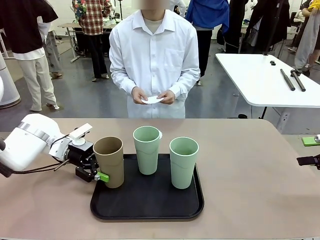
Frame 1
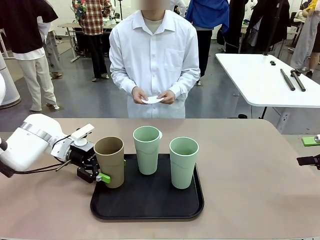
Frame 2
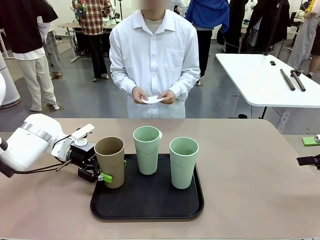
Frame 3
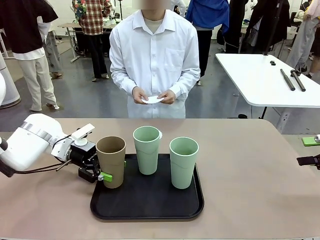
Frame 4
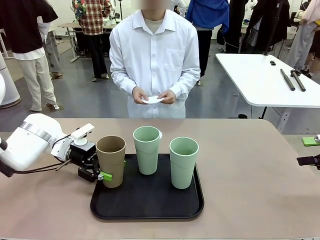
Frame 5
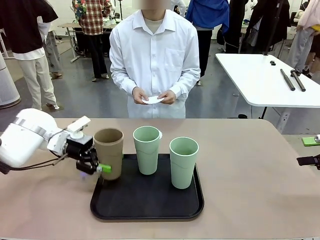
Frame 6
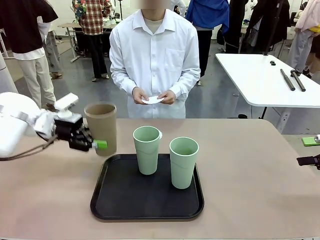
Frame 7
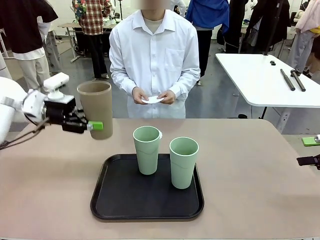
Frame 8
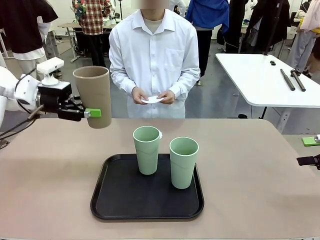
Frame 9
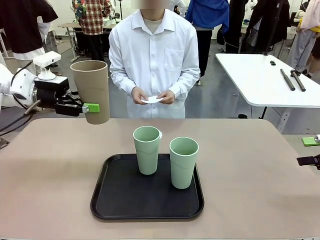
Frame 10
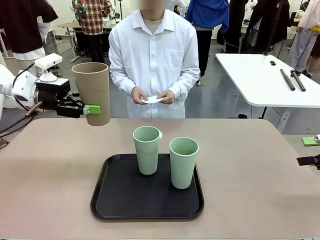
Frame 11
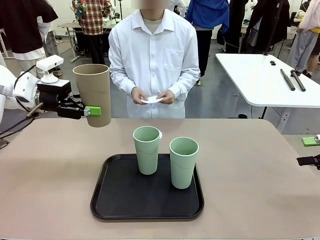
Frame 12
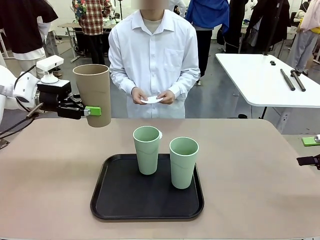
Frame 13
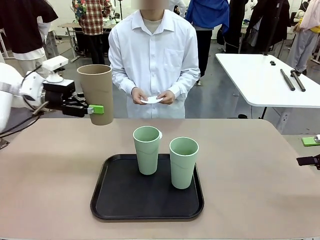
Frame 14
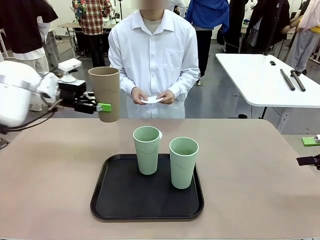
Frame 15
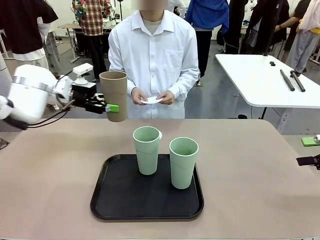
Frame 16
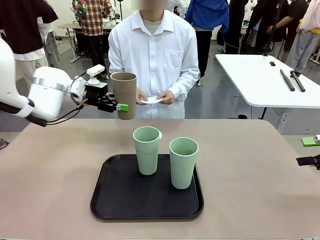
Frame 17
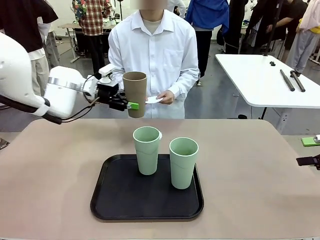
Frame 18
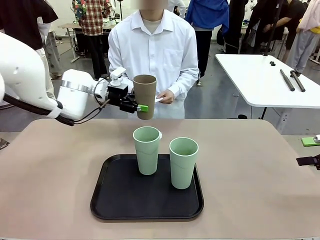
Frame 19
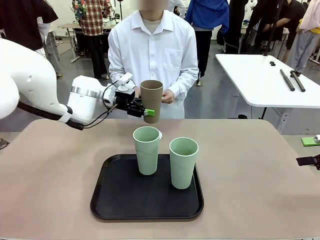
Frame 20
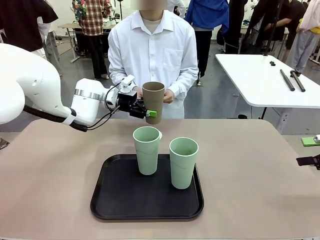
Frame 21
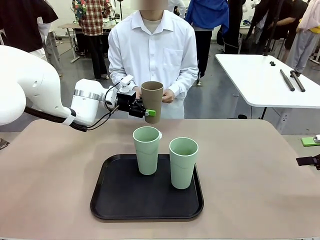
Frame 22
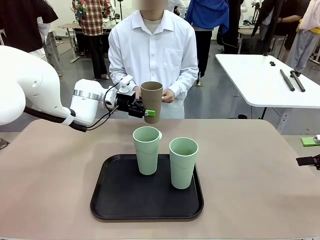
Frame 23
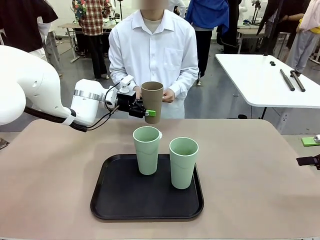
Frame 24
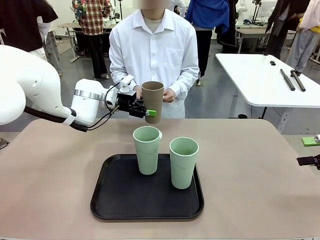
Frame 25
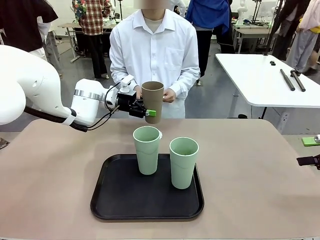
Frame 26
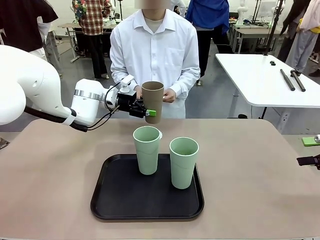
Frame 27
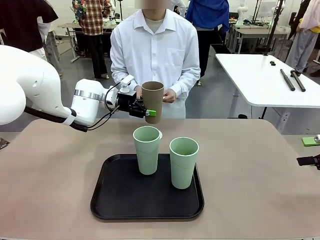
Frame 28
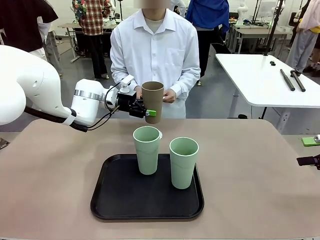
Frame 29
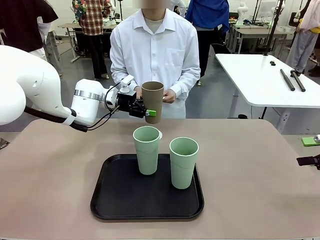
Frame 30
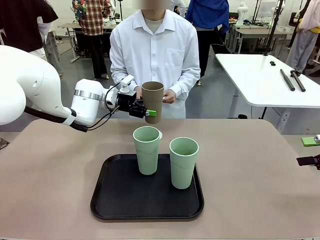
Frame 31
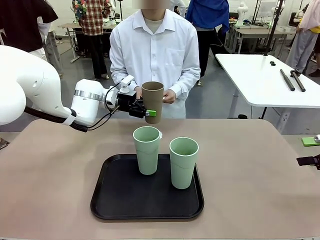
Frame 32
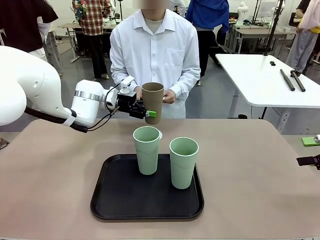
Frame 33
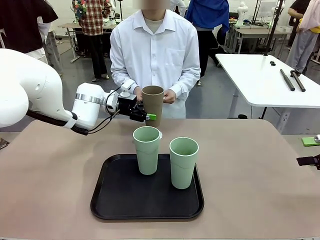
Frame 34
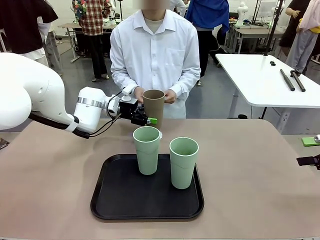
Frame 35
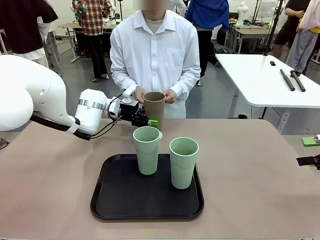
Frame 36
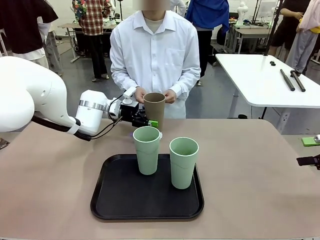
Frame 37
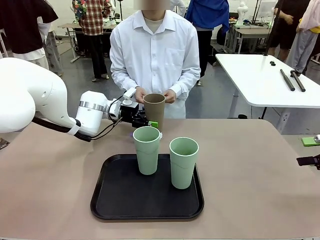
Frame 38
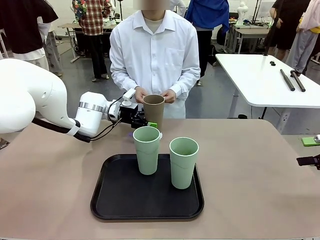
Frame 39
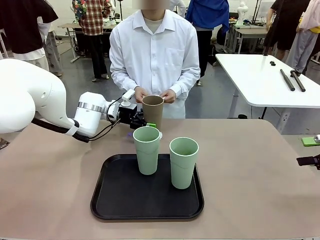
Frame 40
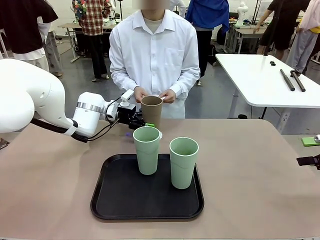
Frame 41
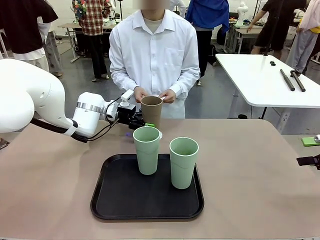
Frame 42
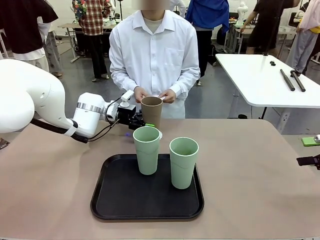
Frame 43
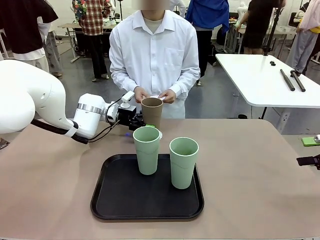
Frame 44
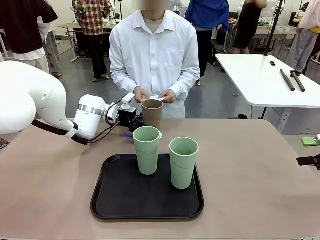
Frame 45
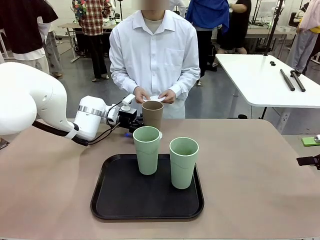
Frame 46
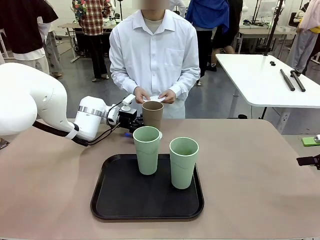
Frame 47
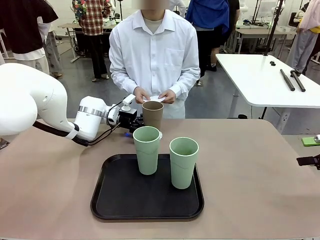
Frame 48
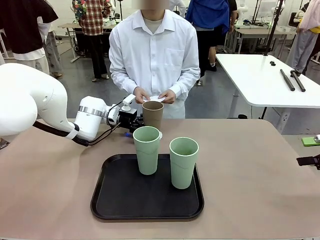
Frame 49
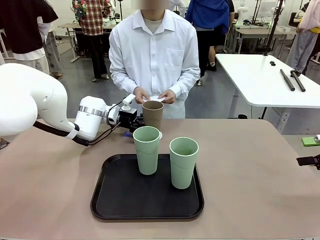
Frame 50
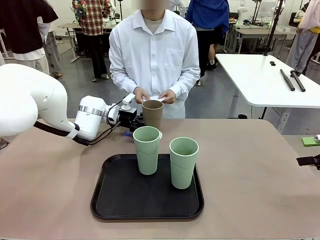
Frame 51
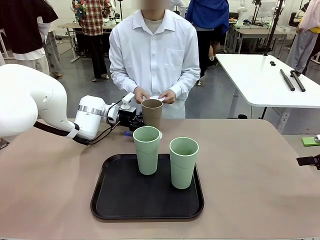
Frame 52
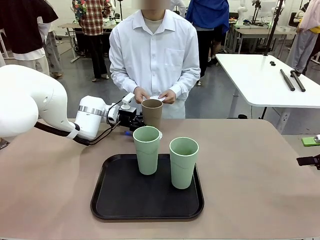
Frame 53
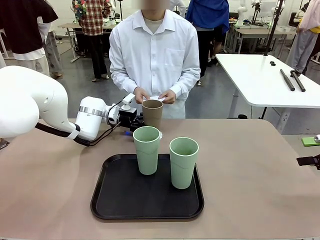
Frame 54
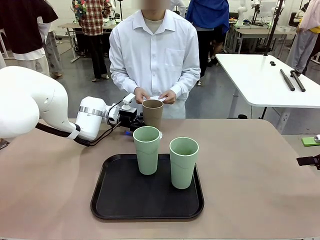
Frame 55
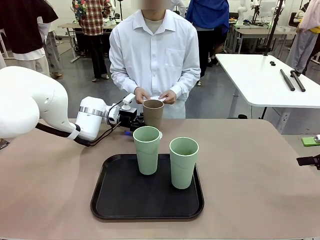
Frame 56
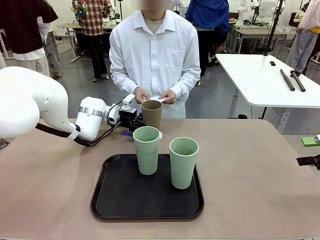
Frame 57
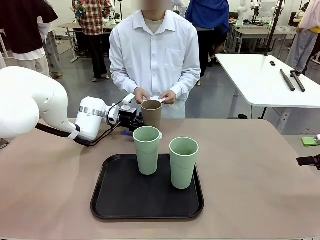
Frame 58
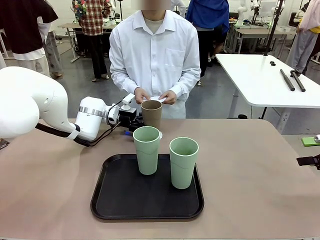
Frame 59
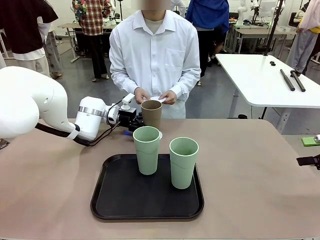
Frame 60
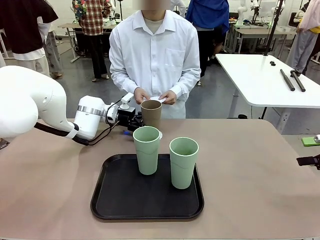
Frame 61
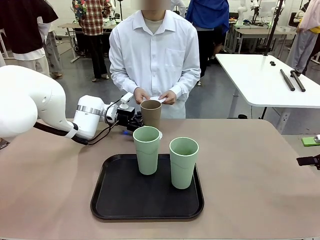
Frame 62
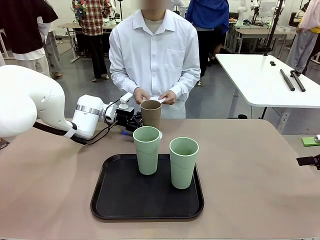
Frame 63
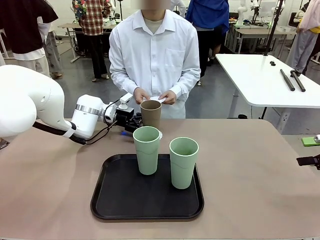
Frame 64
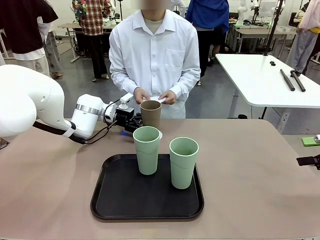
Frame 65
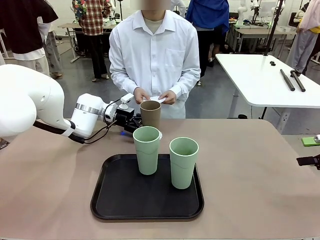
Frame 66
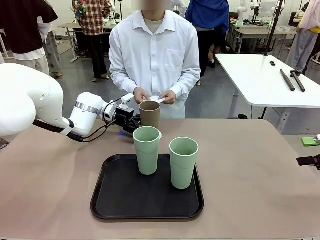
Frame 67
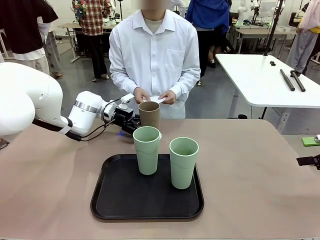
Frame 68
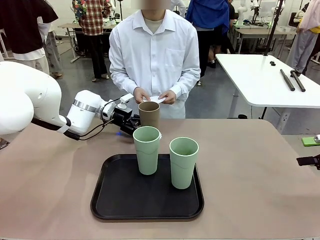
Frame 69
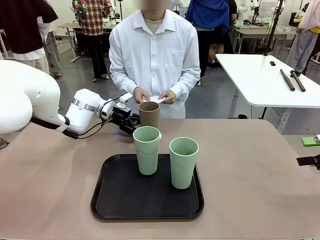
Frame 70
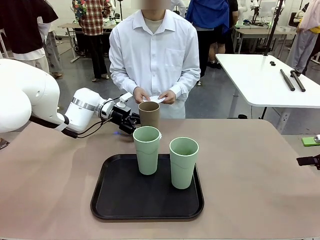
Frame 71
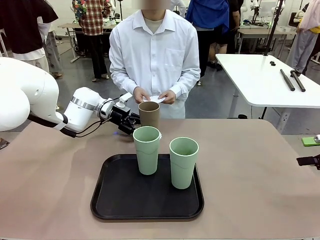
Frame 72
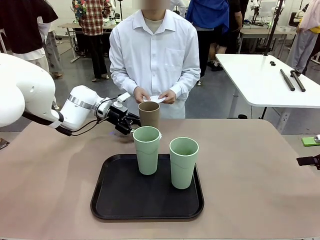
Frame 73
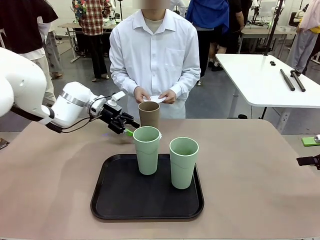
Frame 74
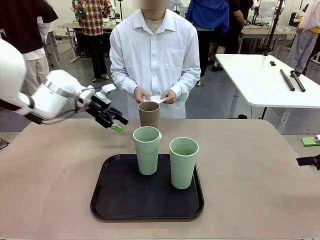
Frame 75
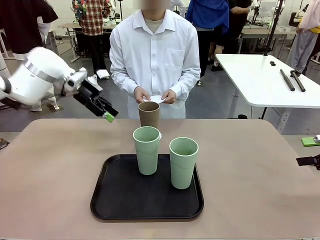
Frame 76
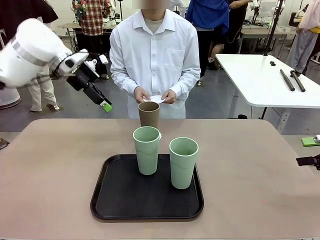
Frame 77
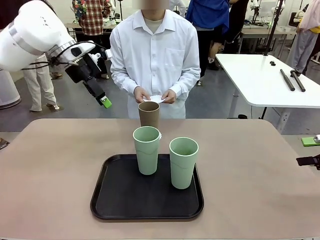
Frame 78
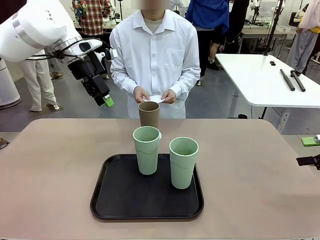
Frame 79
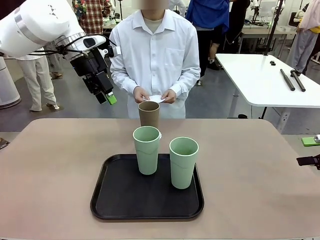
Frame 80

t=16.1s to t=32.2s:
Task: Place coasters on the table and set cups on them.
Robot: Pick up one Reusable plastic cup and place it on a coaster set by the human.
